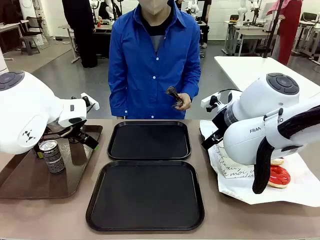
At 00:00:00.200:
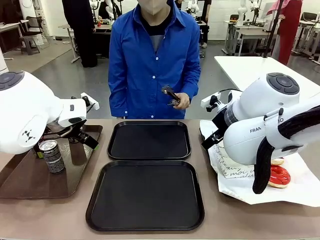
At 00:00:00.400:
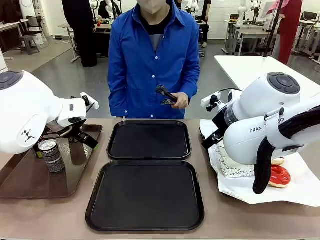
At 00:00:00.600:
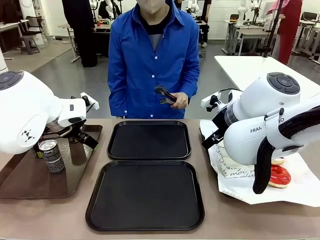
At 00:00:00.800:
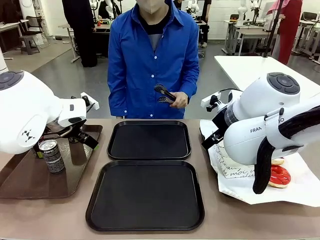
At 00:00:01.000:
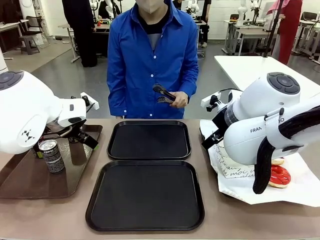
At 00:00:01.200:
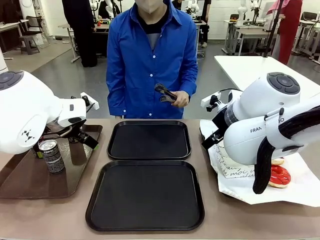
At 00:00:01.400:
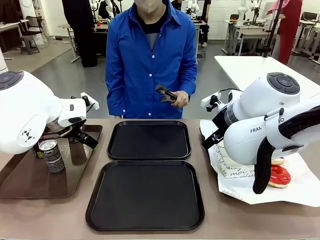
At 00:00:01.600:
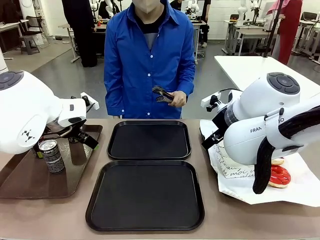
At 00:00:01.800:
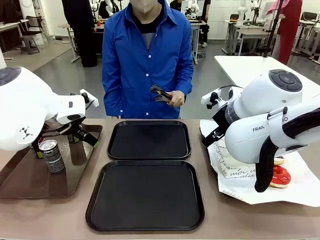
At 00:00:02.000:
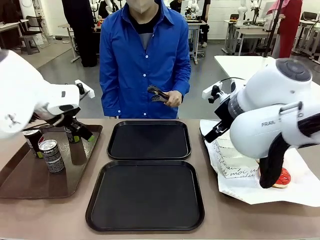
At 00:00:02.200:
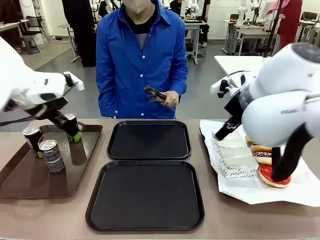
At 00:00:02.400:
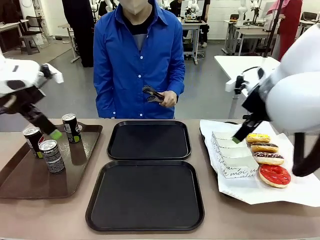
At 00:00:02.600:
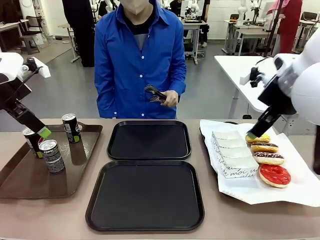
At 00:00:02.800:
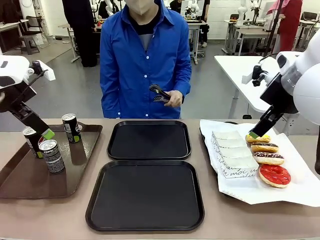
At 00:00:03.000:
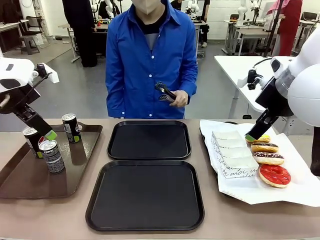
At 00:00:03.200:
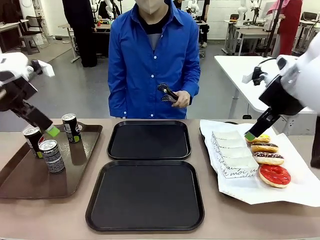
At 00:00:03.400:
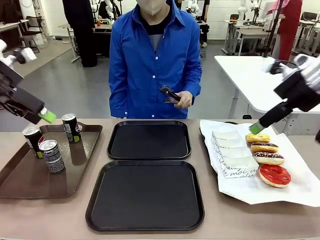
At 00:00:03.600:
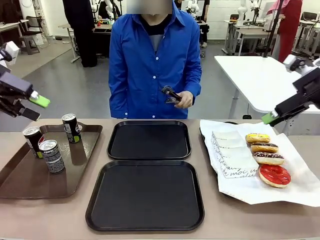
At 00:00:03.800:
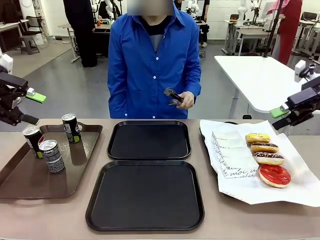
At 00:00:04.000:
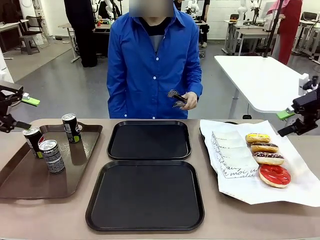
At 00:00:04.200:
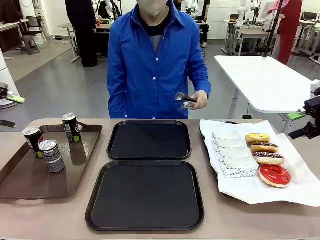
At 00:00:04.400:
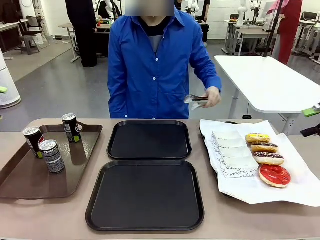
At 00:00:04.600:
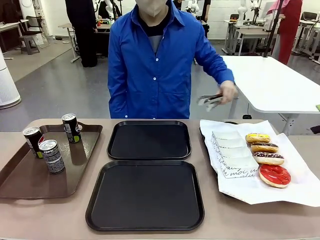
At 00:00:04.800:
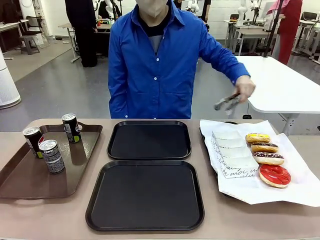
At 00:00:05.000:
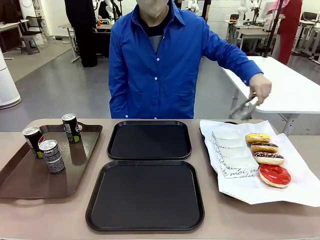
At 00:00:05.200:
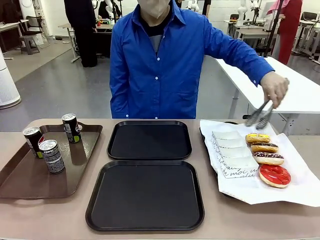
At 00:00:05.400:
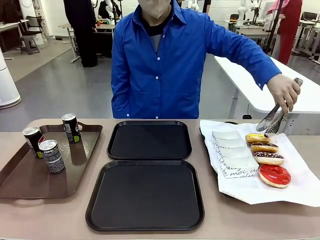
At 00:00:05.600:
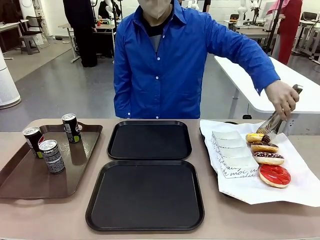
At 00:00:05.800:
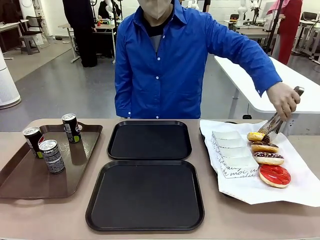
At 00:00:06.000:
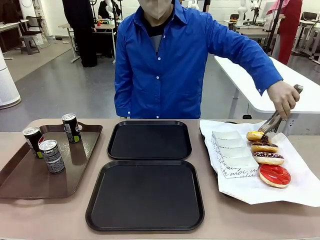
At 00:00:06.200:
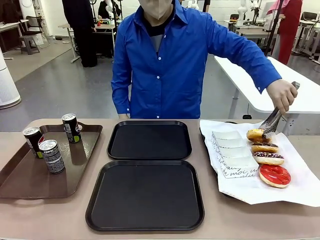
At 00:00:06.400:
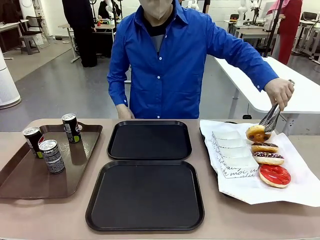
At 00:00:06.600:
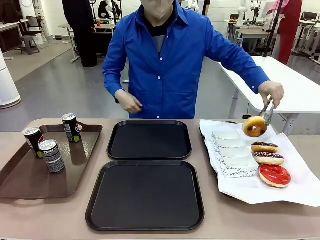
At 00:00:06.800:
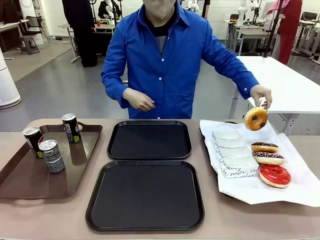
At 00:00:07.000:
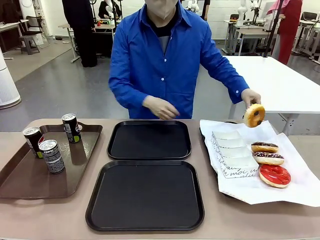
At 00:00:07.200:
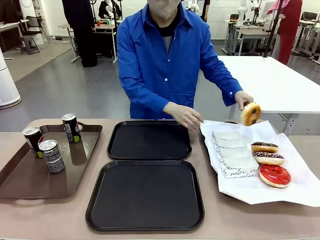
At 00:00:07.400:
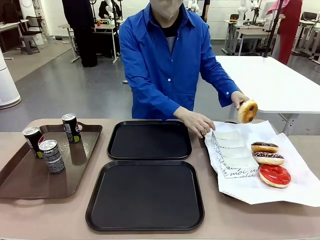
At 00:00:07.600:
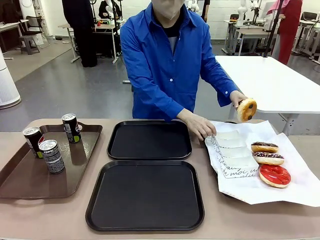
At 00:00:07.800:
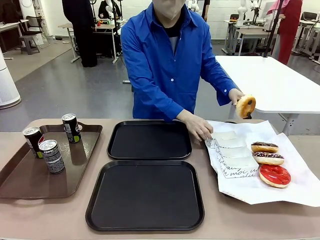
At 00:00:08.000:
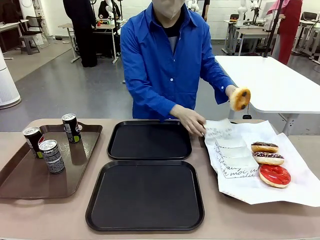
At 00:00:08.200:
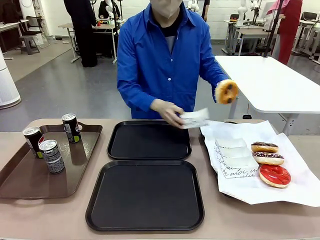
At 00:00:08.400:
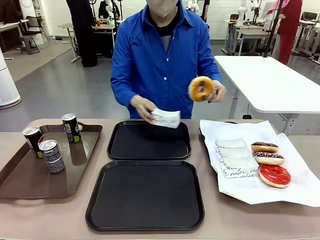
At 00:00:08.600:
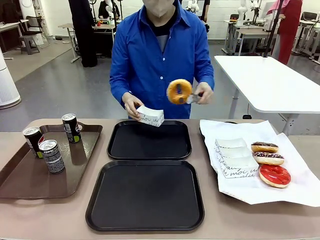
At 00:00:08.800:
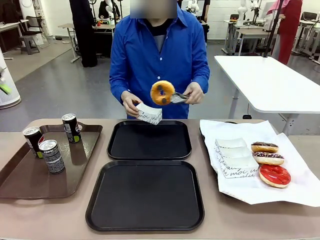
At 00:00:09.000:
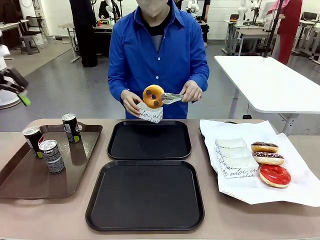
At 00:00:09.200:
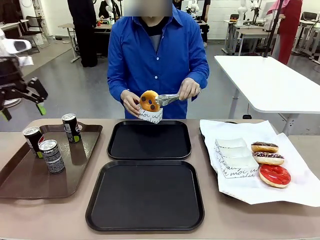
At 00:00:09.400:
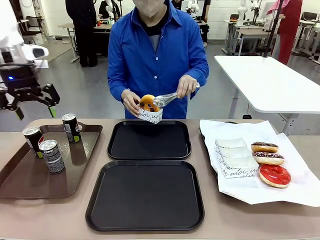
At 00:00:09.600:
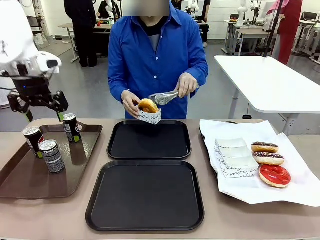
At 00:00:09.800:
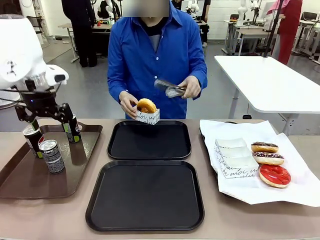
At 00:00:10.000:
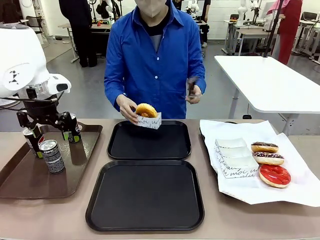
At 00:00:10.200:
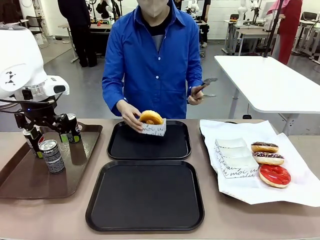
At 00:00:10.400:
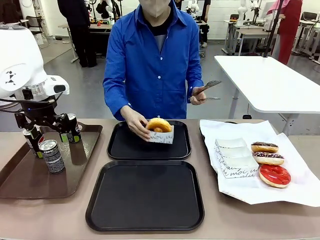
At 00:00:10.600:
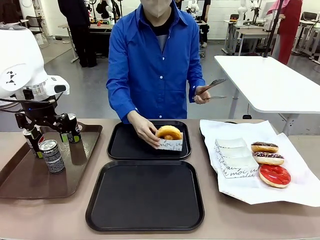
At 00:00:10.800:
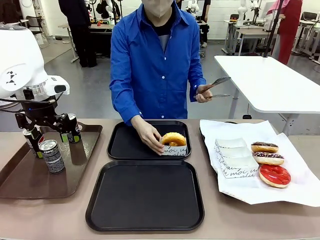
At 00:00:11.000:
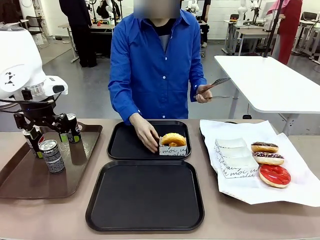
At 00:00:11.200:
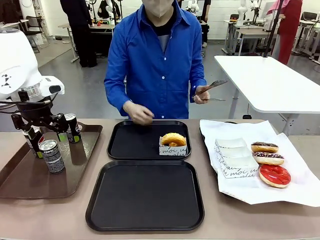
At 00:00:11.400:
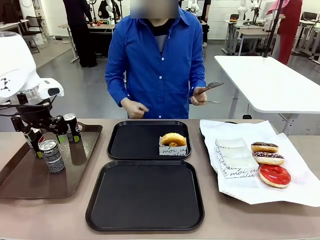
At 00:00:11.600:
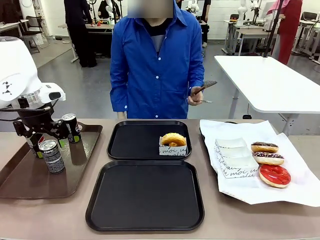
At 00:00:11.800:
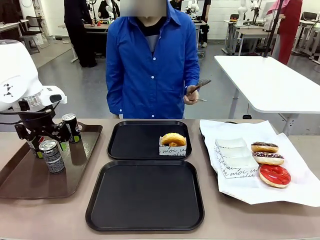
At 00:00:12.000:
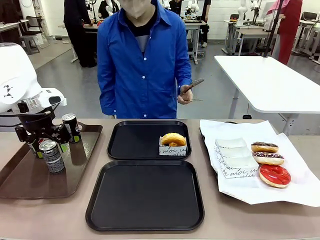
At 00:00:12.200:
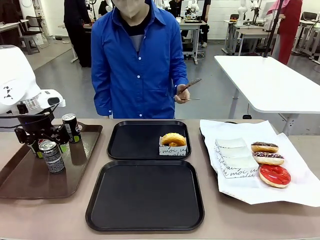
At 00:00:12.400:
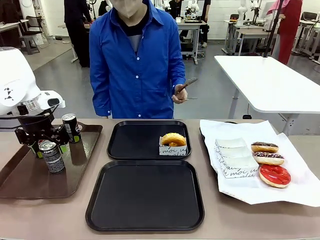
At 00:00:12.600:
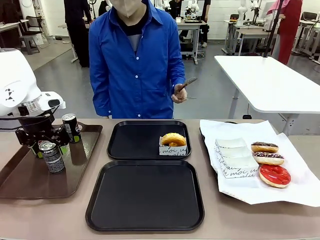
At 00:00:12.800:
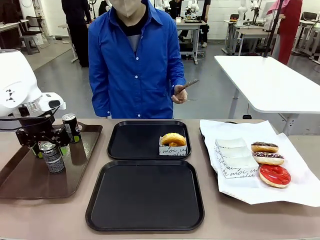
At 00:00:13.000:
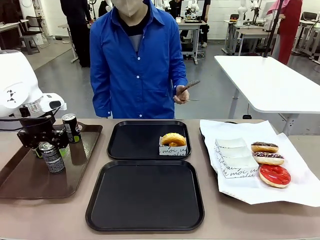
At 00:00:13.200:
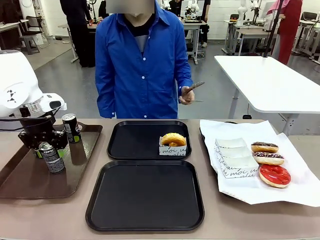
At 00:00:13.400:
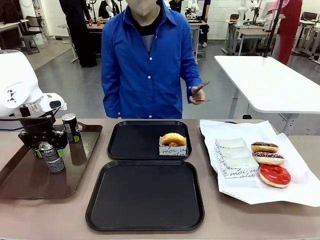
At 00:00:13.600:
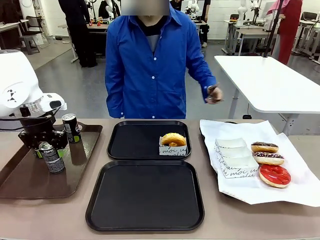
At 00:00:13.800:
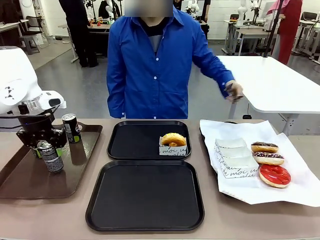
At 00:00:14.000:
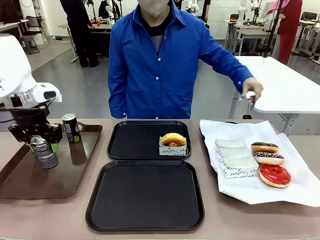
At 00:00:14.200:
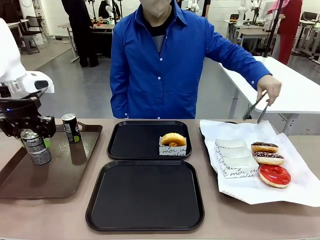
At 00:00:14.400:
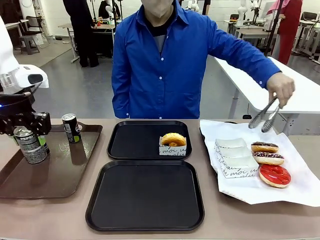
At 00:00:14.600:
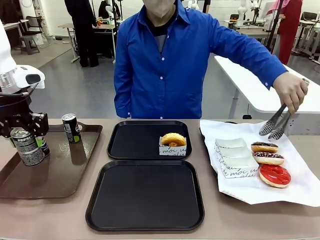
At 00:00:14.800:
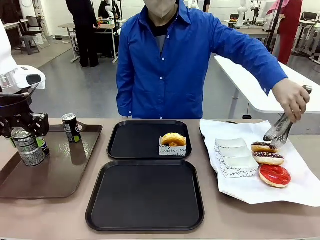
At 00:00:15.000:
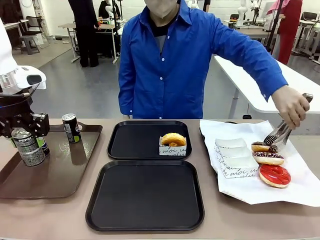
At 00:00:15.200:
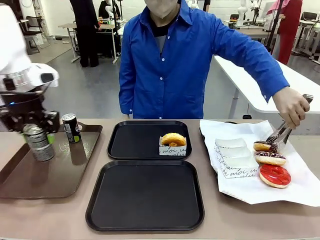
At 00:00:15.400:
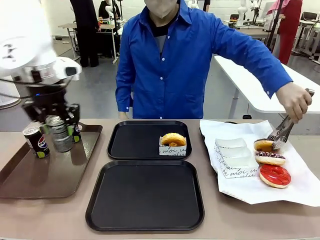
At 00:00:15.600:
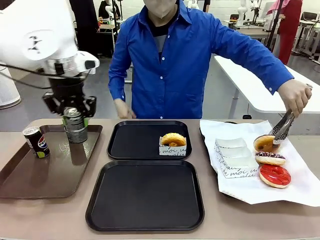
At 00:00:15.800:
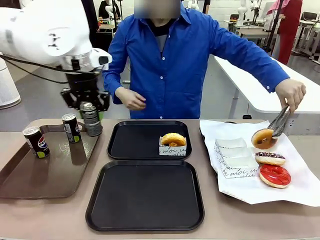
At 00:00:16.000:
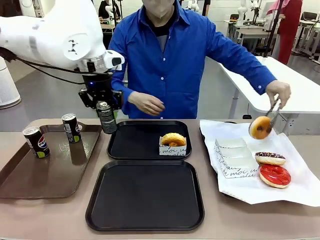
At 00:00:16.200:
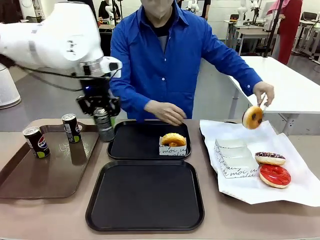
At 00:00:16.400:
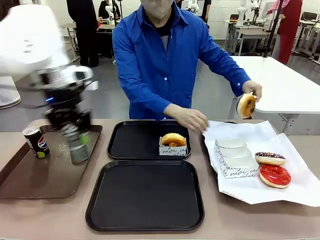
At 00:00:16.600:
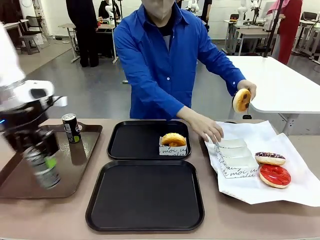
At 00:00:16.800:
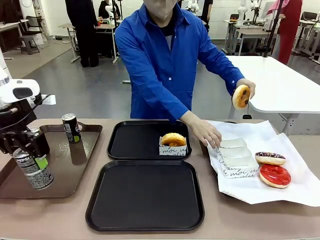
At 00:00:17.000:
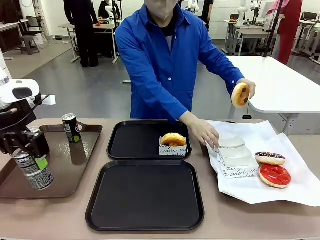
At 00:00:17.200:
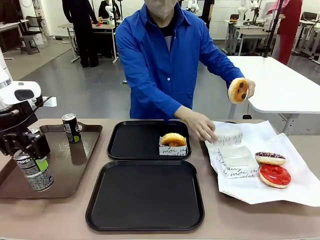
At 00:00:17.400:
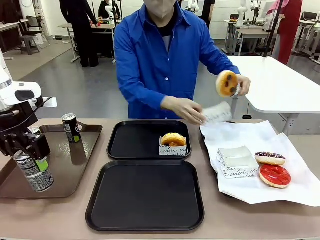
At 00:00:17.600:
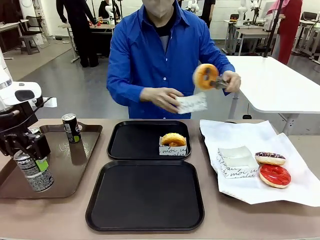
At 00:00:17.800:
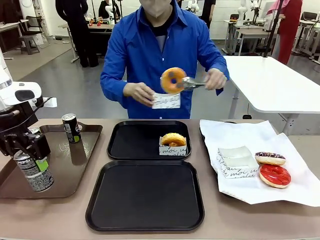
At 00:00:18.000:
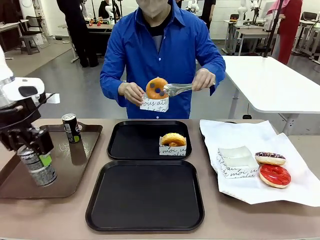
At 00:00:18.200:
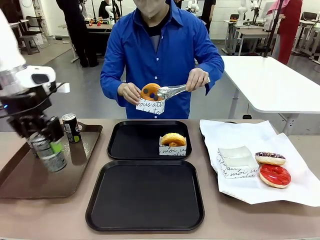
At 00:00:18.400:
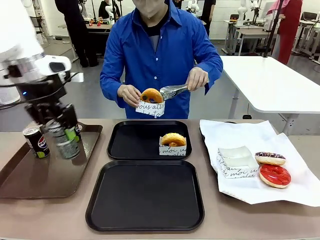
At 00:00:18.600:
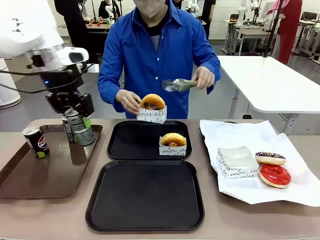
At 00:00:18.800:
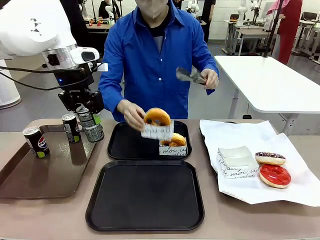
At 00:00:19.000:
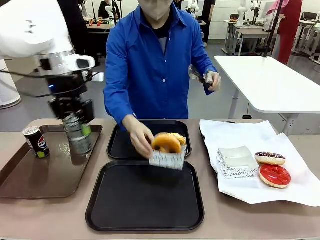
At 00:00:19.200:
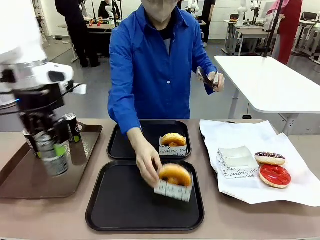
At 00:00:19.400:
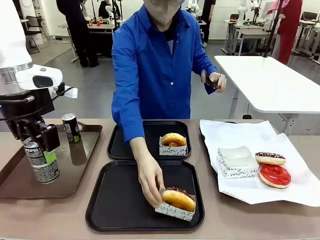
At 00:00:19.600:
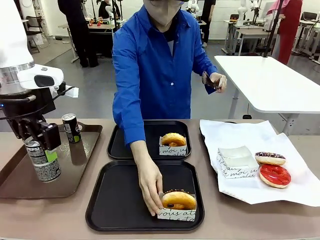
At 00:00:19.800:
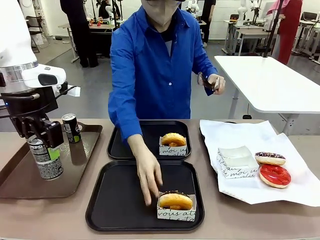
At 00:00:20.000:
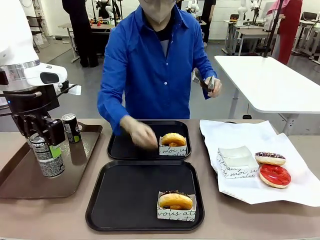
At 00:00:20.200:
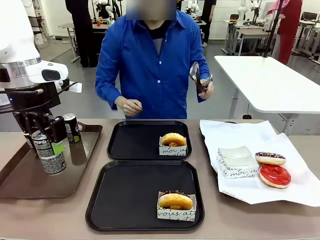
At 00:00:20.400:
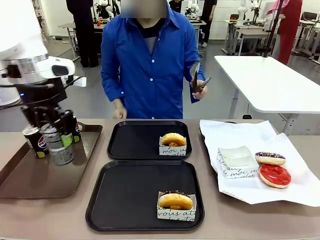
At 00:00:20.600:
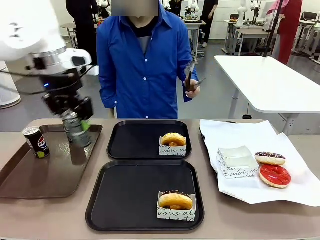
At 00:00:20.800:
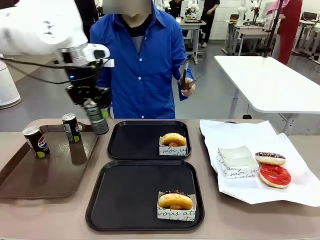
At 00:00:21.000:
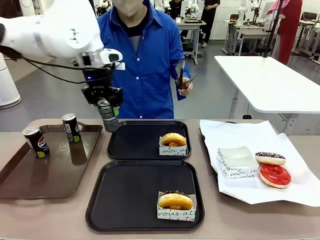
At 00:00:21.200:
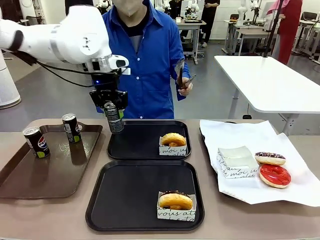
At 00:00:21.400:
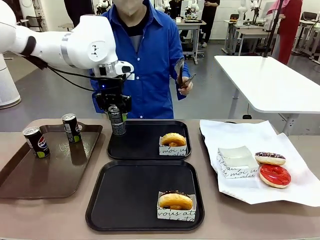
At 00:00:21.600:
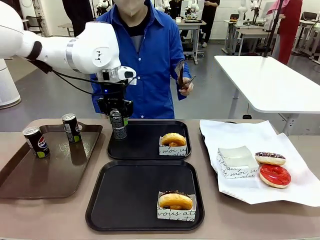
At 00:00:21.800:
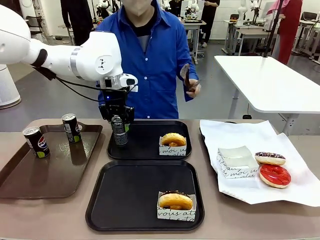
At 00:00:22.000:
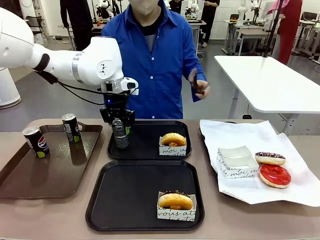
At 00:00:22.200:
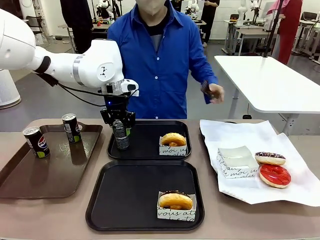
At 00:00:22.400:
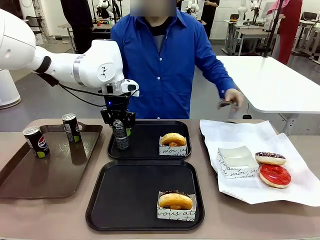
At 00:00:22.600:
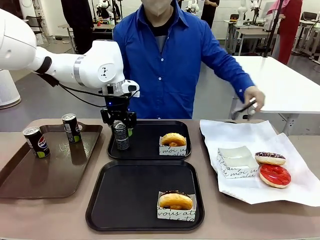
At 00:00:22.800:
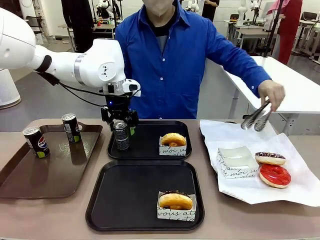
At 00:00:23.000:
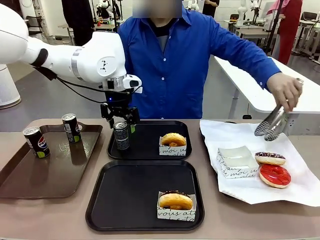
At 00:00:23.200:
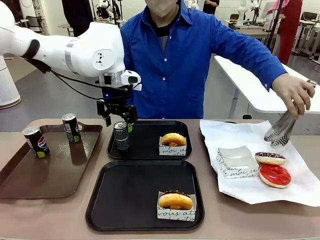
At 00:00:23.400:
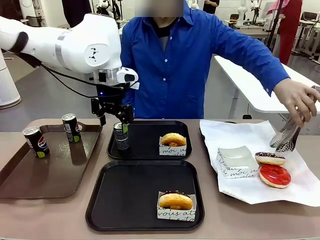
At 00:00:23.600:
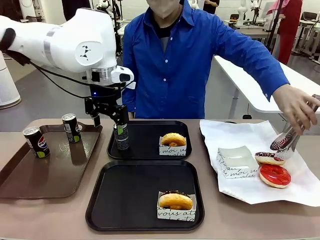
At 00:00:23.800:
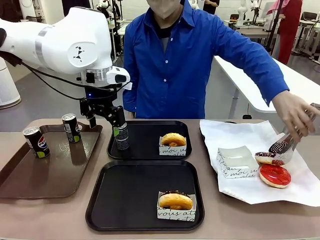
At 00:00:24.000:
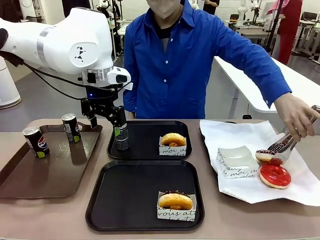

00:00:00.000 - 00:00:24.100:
Task: Set up donuts and drinks on trays.
Robot: Pick up one Pepsi coke and place it on the Flat Tray.
Person: Pick up one donut with tongs, place it in the donut tray, and then place the donut tray on the flat tray.
